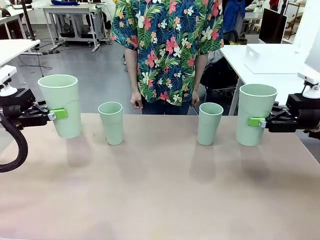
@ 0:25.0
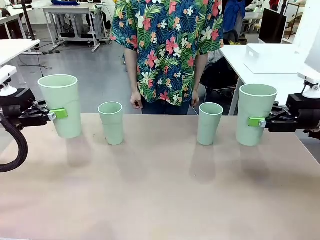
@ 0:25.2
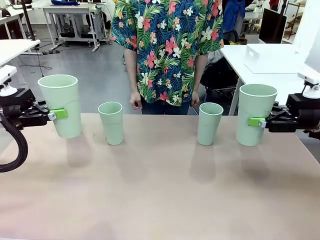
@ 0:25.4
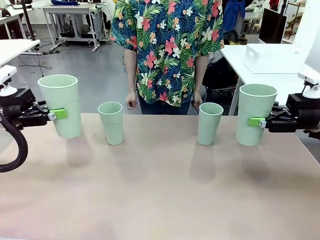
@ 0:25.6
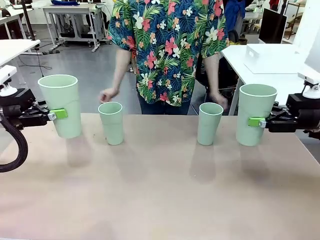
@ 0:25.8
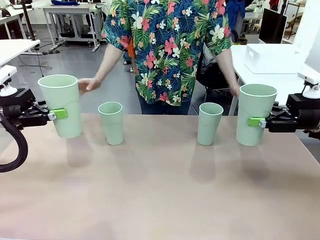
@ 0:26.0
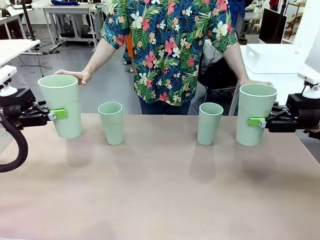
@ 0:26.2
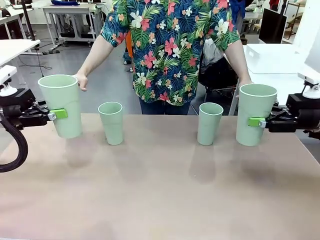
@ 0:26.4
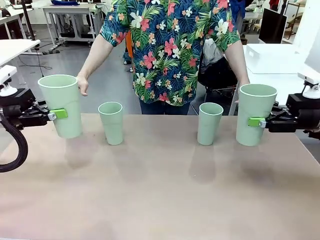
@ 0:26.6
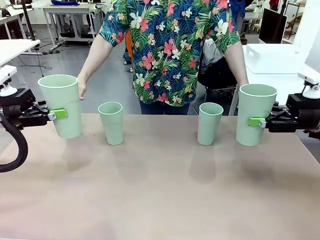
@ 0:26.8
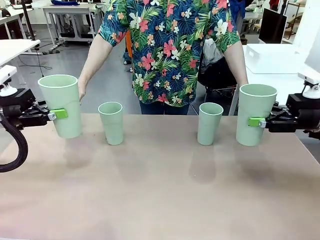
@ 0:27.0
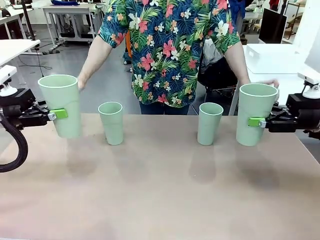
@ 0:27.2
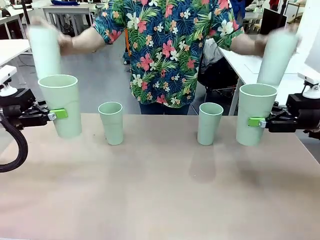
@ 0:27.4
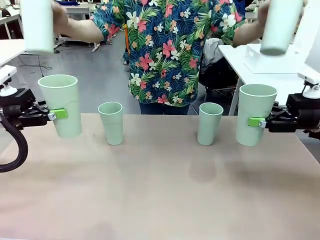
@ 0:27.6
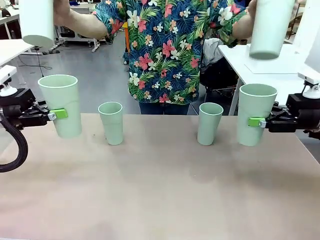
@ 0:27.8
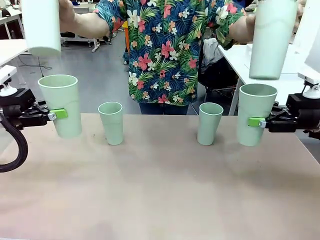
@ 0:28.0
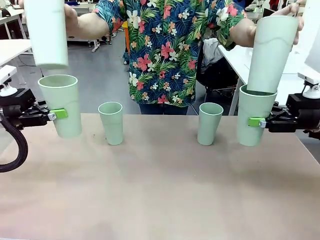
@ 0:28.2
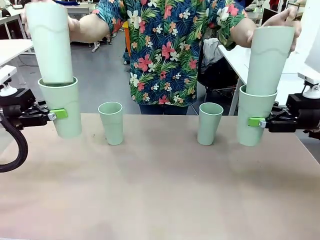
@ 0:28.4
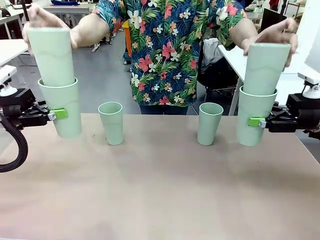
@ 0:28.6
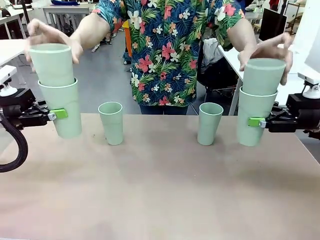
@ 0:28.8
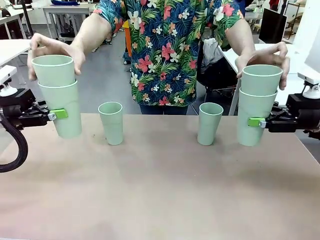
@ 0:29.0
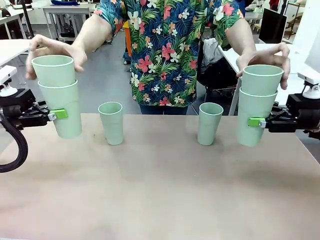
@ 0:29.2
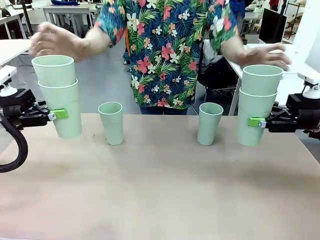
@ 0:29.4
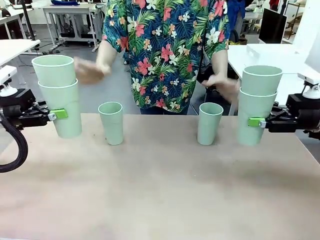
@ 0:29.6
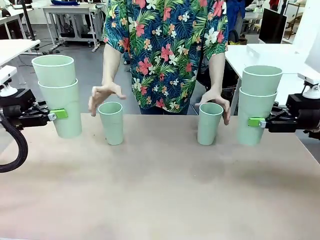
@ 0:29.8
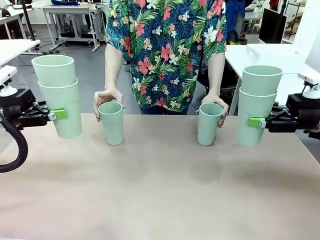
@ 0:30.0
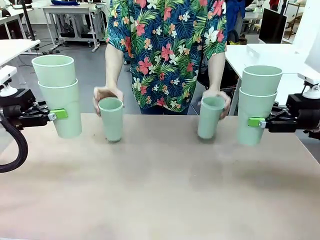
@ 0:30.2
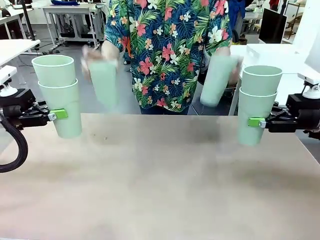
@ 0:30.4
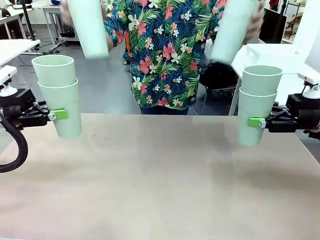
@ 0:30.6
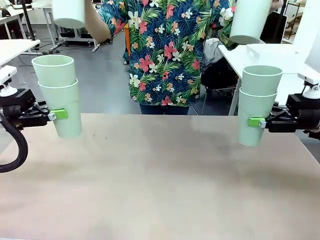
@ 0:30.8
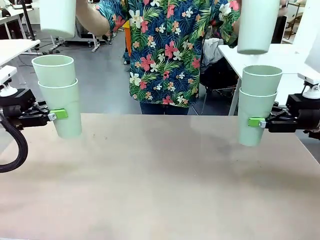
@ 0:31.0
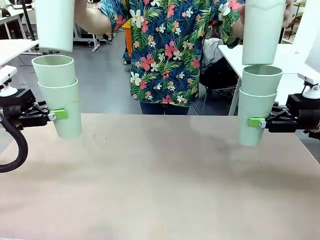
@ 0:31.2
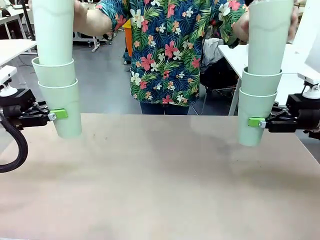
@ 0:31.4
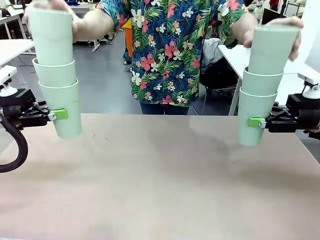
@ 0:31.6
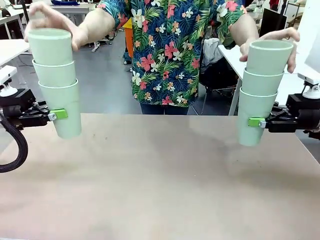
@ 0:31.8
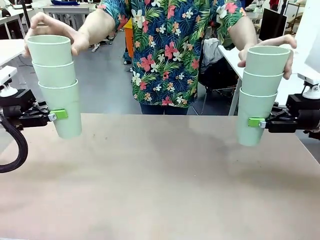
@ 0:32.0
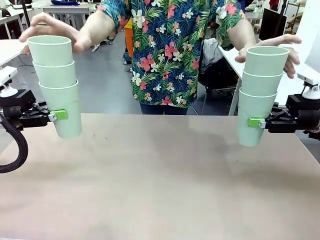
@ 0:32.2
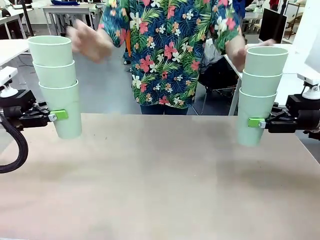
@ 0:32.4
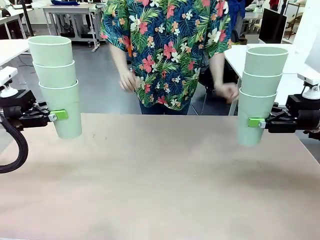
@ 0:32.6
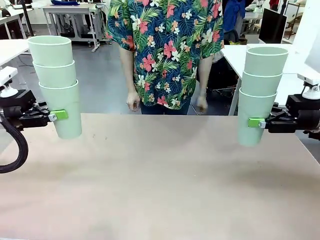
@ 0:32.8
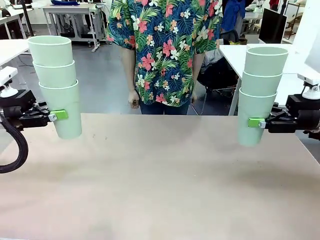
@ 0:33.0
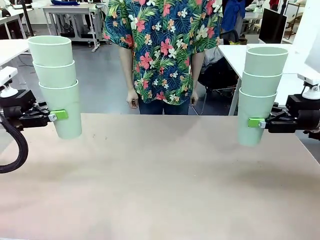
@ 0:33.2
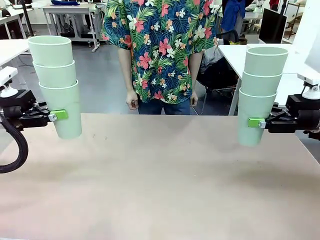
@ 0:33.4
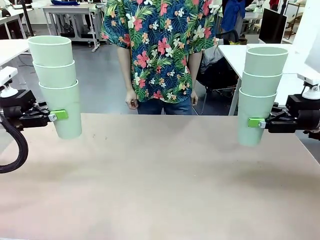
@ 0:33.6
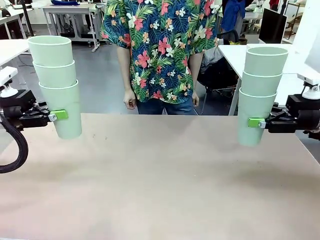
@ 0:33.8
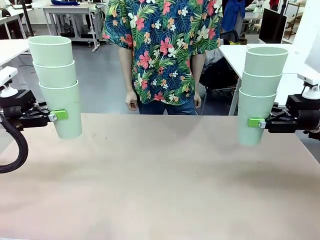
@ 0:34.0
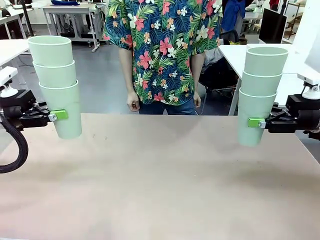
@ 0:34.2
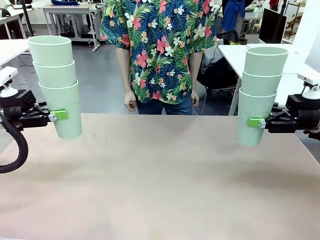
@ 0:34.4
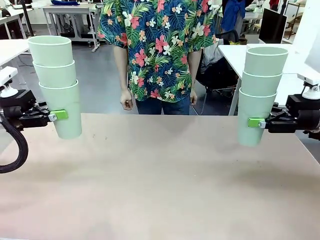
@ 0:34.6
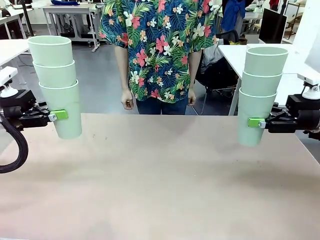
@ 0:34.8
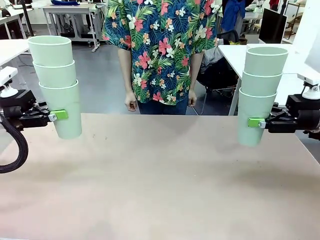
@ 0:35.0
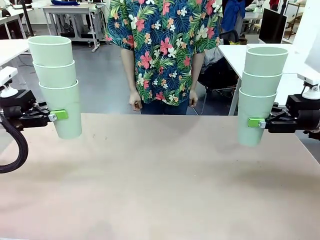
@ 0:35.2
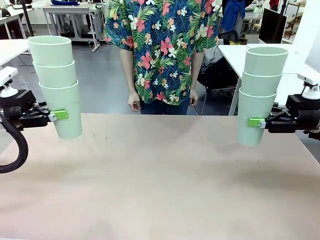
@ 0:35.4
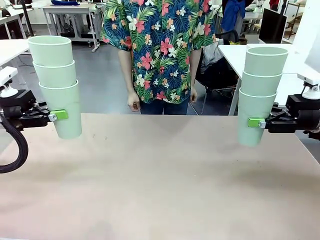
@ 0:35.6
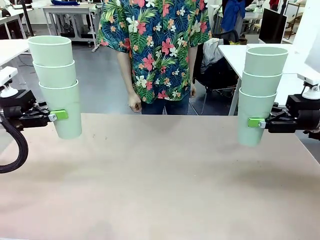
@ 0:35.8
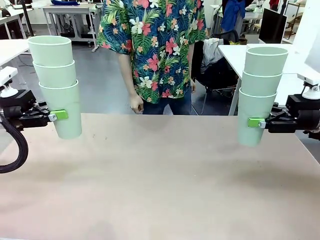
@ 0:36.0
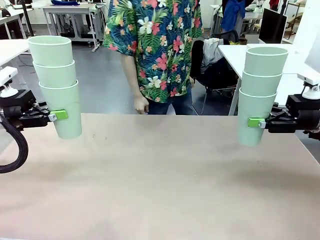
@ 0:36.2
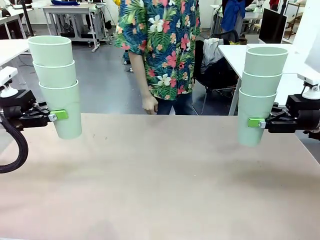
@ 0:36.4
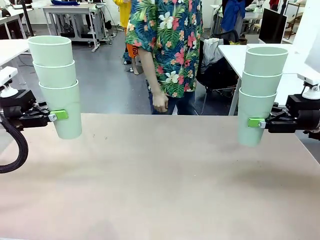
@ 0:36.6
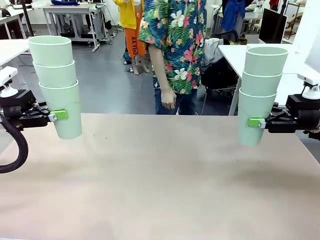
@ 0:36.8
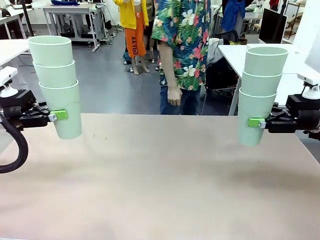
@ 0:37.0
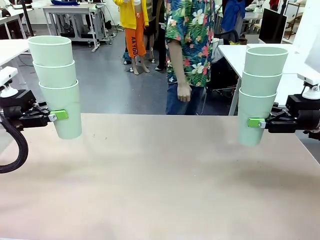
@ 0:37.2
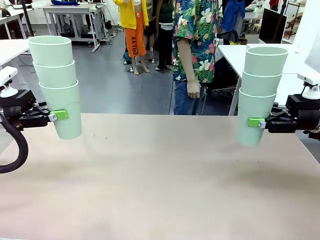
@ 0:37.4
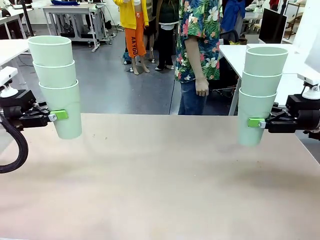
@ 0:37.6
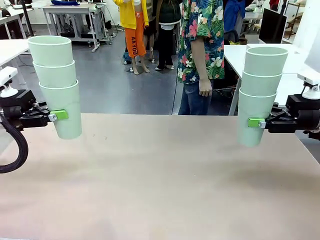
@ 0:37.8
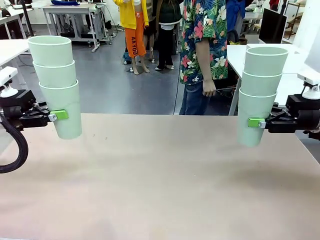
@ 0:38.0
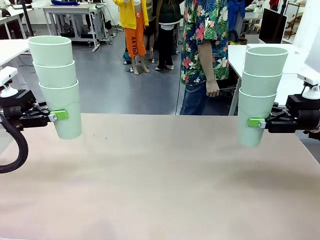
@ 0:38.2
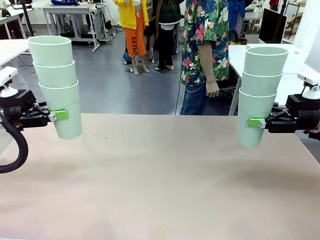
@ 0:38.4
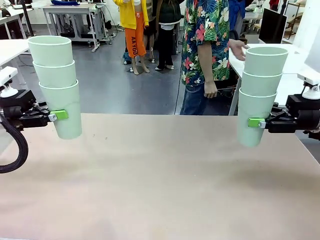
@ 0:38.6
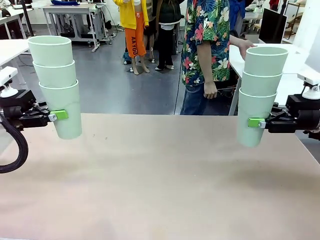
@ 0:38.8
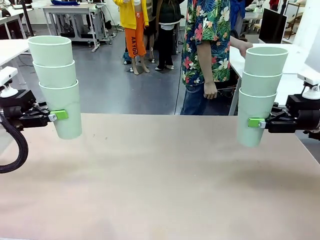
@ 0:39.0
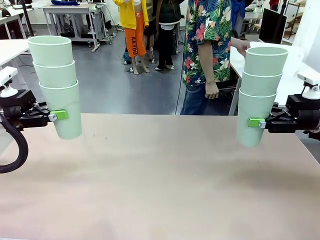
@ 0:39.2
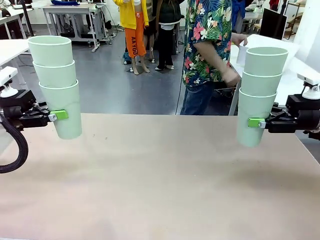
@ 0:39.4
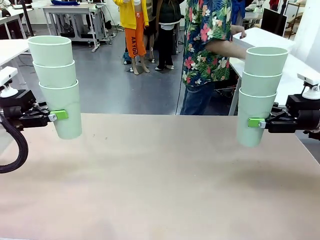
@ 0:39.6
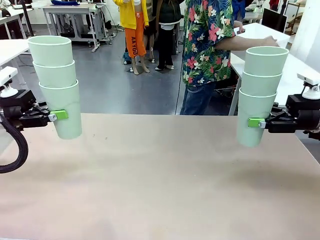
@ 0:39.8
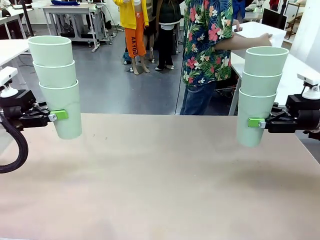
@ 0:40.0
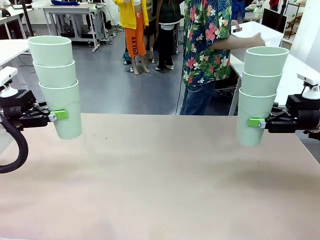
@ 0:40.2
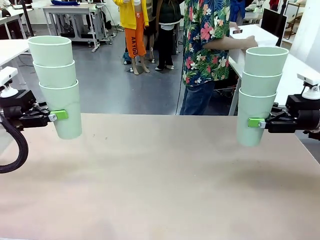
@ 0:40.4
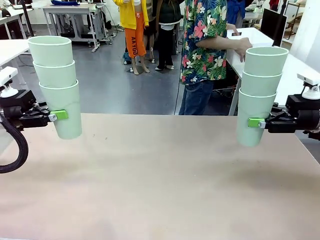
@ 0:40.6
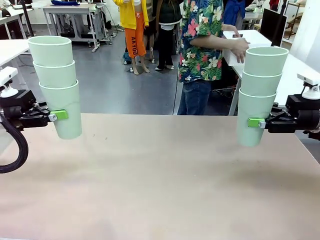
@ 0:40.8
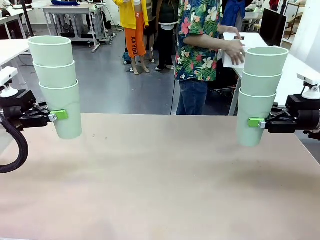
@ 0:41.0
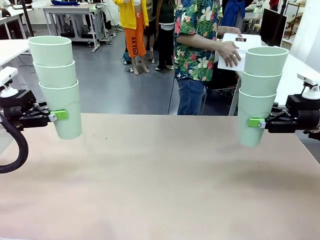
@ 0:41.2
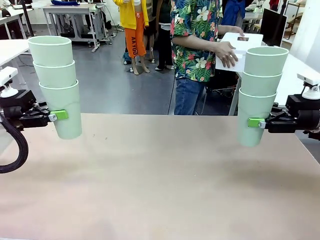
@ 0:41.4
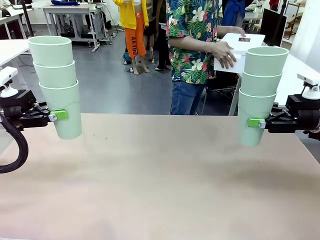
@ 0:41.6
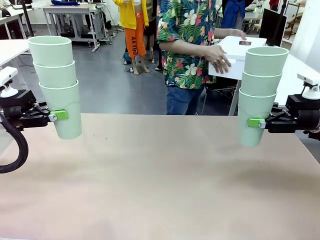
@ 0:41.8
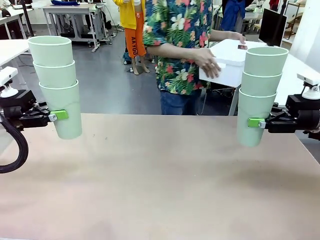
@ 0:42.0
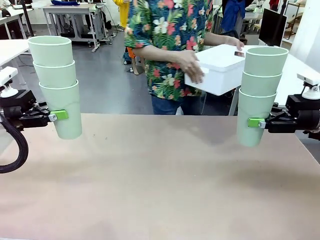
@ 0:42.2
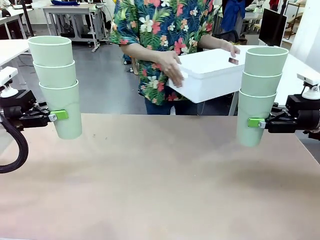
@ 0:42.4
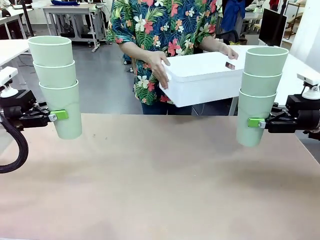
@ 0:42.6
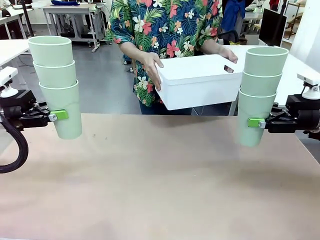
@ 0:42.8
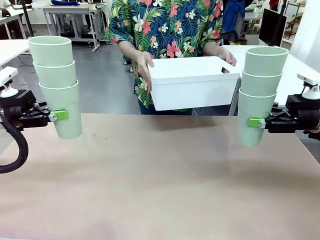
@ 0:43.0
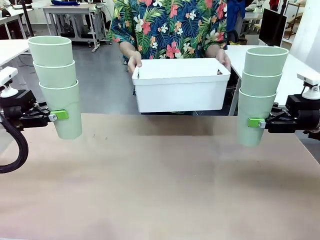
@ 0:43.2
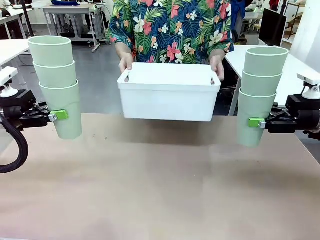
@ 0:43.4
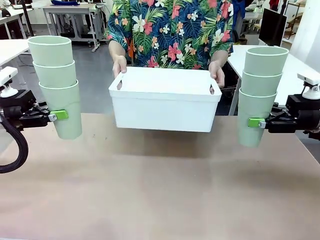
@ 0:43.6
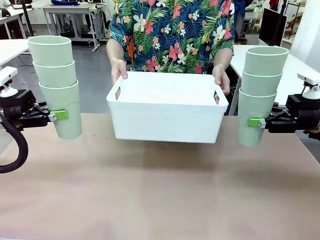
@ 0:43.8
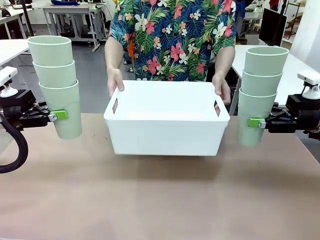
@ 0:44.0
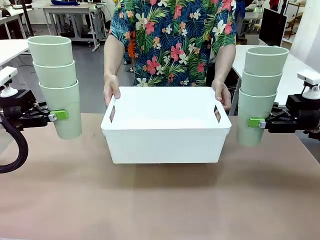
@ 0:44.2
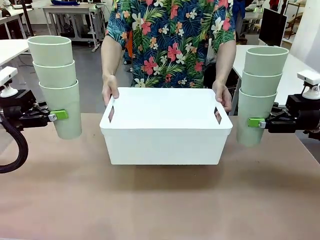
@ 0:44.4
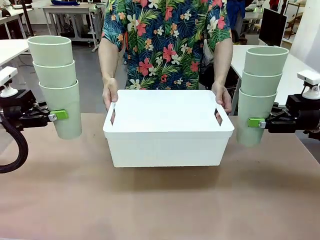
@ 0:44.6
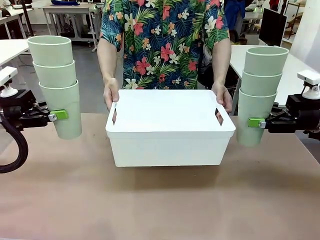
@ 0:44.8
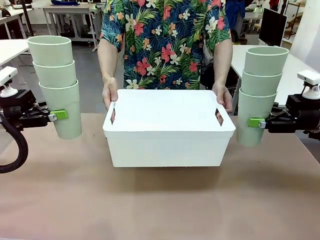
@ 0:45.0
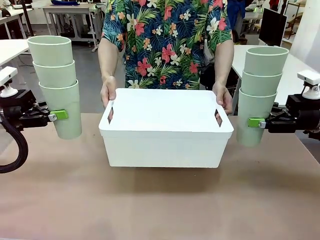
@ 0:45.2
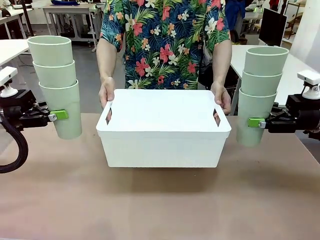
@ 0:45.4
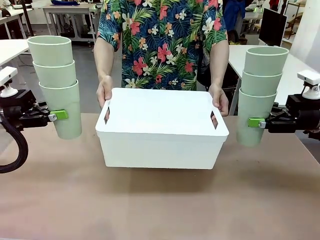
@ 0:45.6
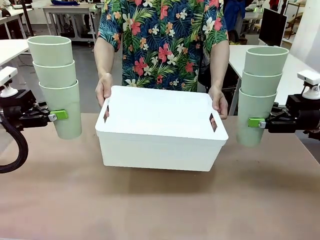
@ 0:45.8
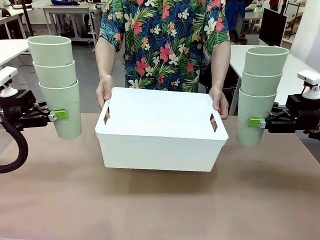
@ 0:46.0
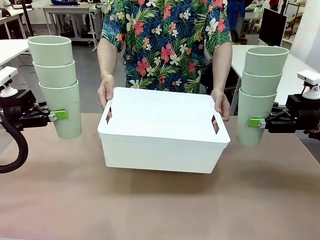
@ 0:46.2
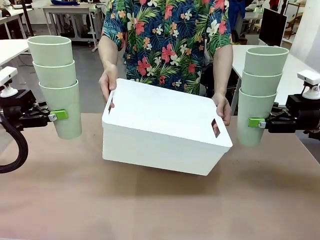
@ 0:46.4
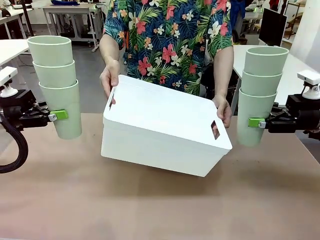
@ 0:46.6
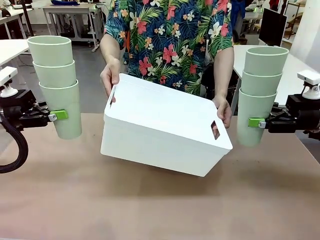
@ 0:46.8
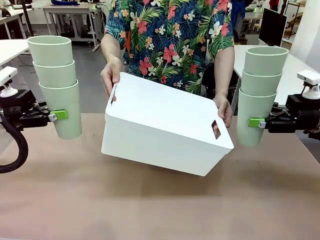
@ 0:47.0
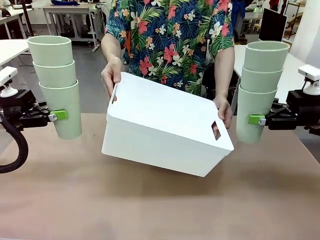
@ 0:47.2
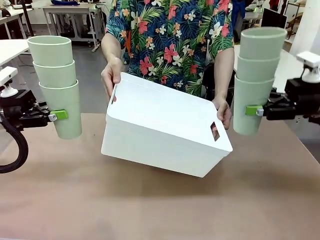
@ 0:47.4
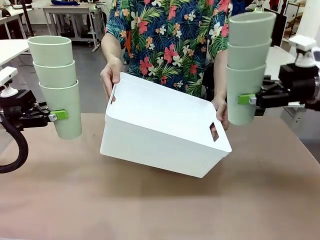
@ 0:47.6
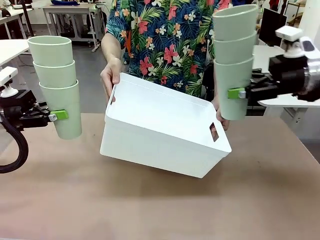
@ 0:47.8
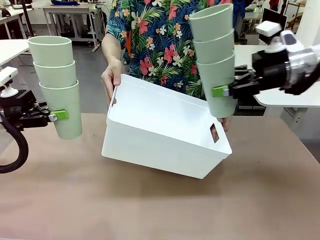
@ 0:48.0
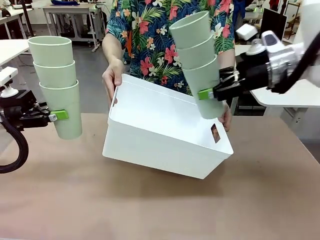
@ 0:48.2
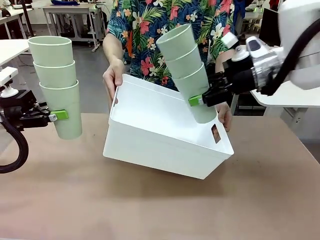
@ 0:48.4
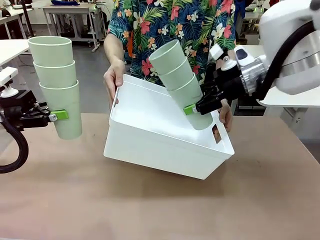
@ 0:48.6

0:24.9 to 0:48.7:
Task: Stack the cups and store them in the basket.
Robot: Place the stack of Reusable plastic cups into the Pantry Basket.
Person: Pick up the basket from the Human Table, bring it to the front of the robot, and present it.
